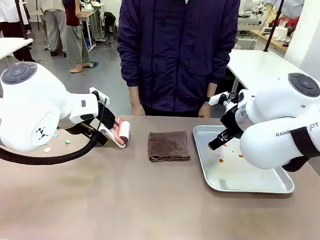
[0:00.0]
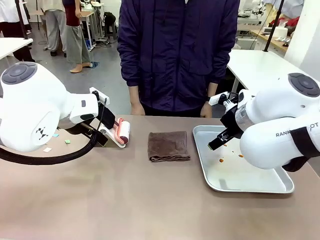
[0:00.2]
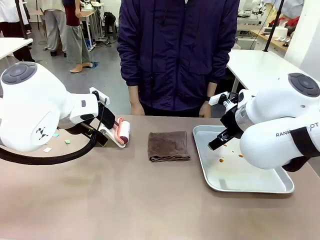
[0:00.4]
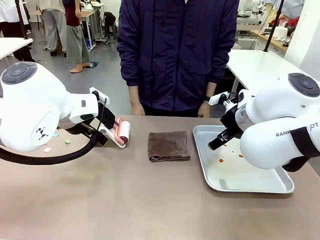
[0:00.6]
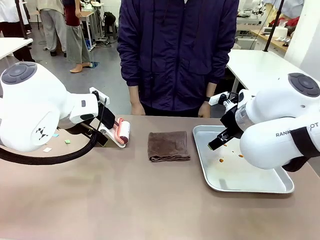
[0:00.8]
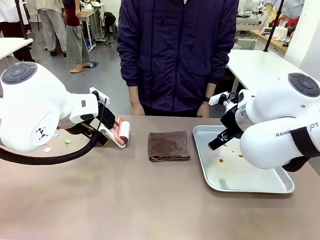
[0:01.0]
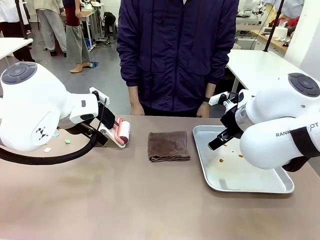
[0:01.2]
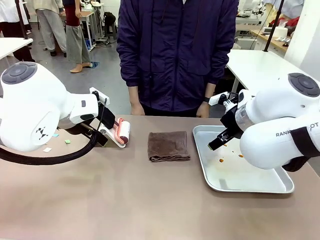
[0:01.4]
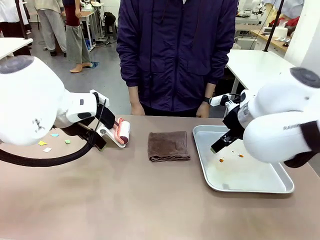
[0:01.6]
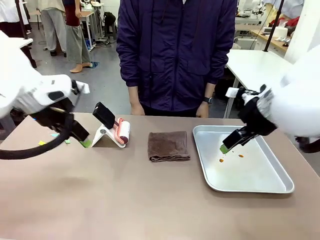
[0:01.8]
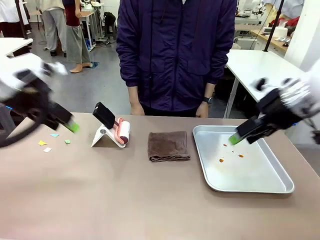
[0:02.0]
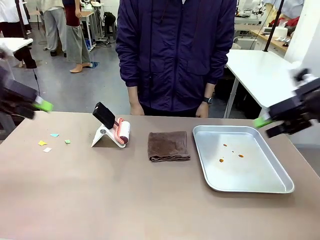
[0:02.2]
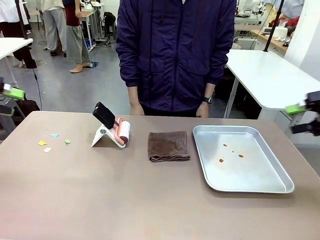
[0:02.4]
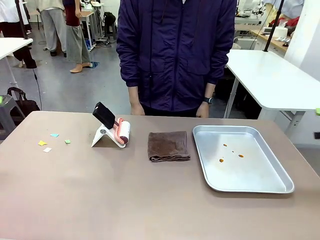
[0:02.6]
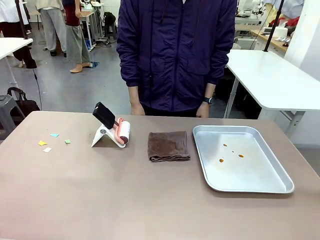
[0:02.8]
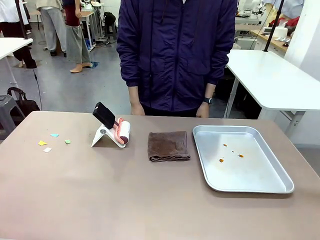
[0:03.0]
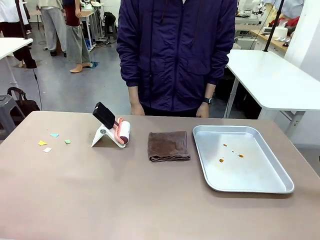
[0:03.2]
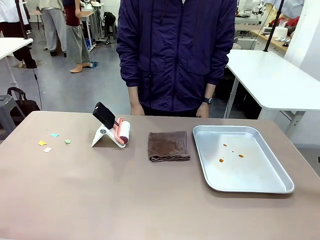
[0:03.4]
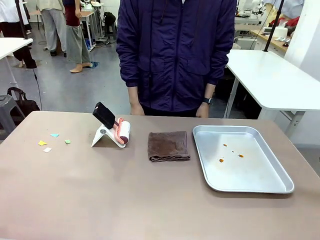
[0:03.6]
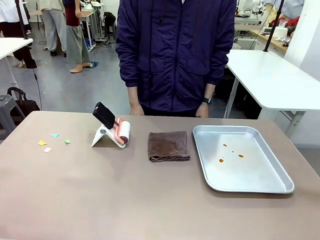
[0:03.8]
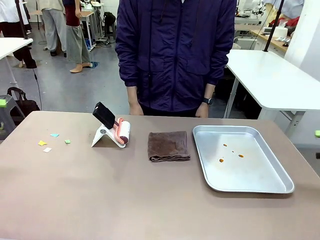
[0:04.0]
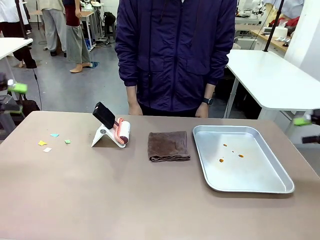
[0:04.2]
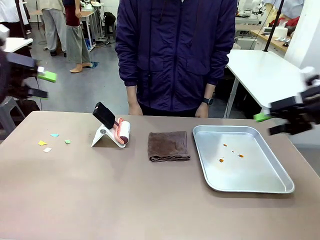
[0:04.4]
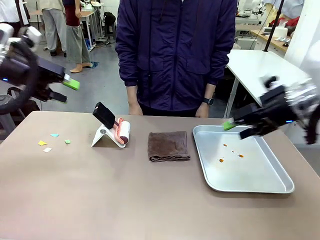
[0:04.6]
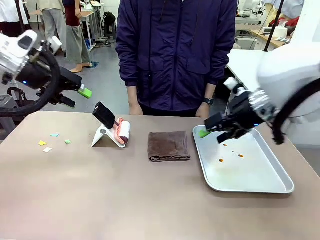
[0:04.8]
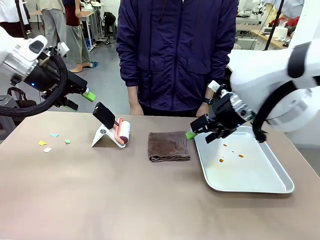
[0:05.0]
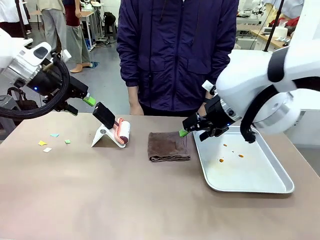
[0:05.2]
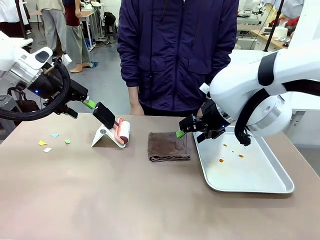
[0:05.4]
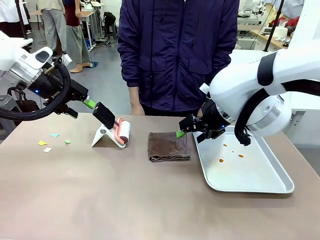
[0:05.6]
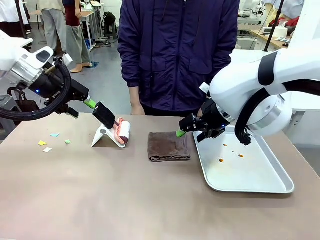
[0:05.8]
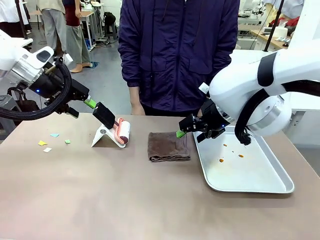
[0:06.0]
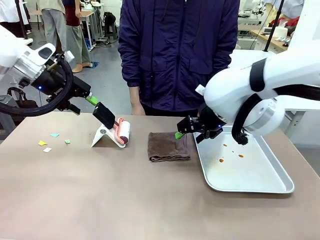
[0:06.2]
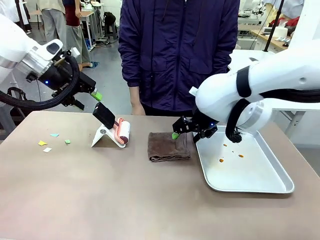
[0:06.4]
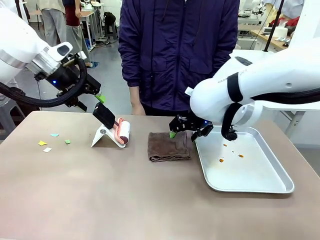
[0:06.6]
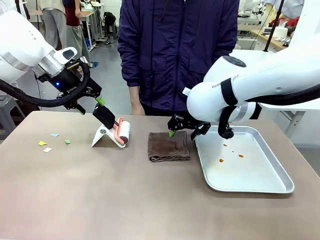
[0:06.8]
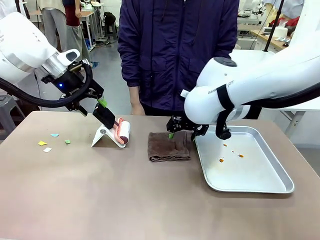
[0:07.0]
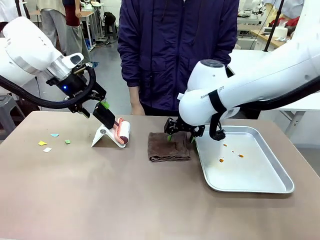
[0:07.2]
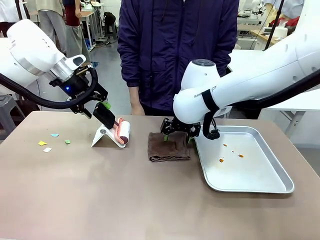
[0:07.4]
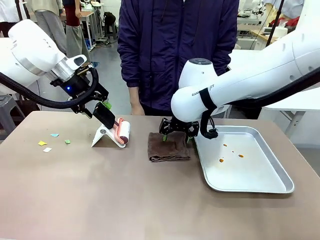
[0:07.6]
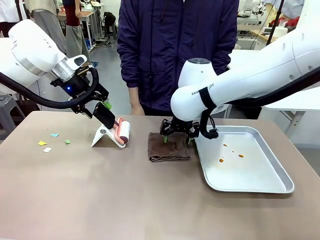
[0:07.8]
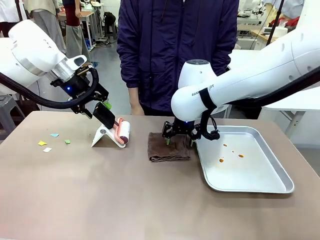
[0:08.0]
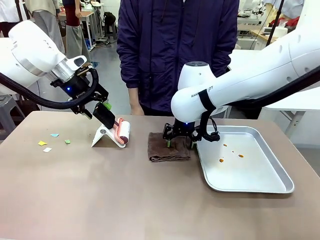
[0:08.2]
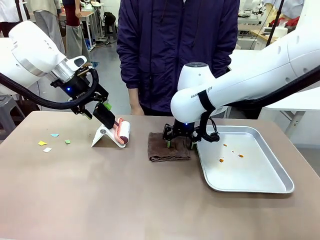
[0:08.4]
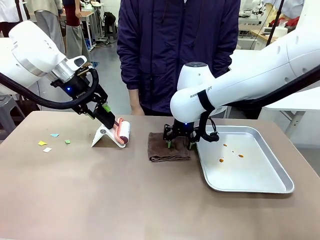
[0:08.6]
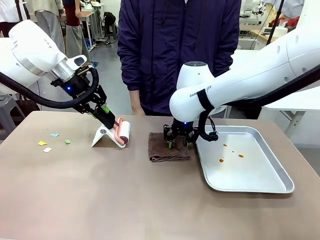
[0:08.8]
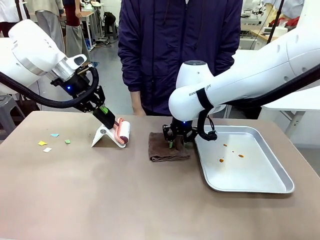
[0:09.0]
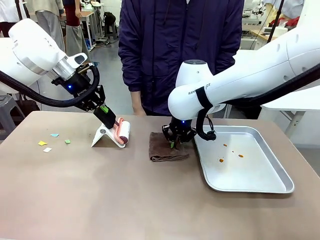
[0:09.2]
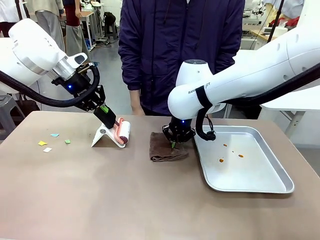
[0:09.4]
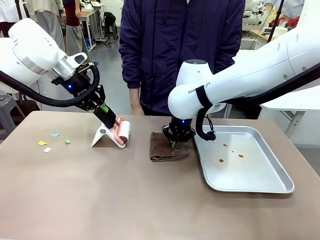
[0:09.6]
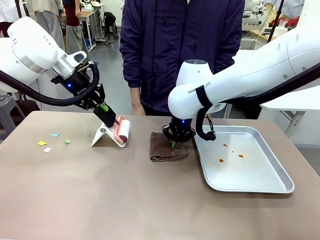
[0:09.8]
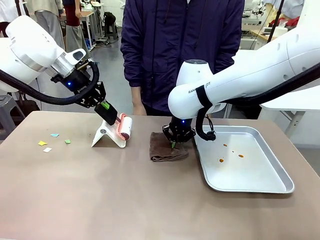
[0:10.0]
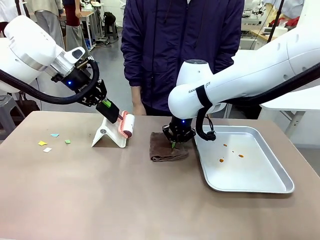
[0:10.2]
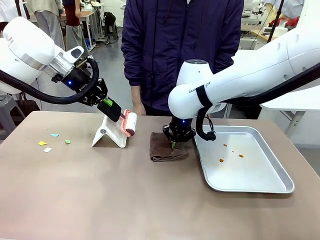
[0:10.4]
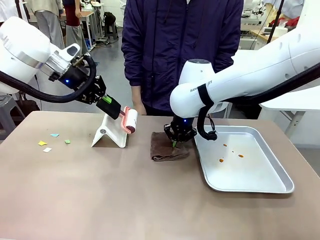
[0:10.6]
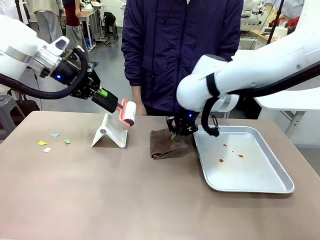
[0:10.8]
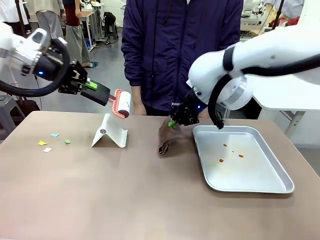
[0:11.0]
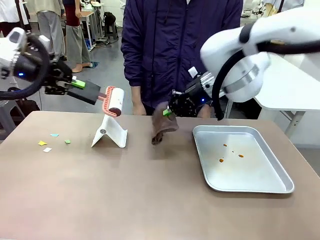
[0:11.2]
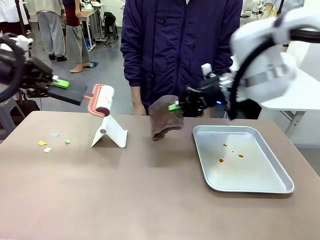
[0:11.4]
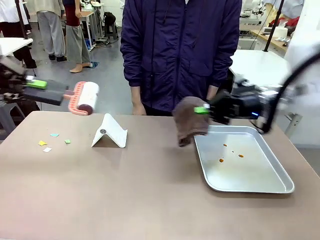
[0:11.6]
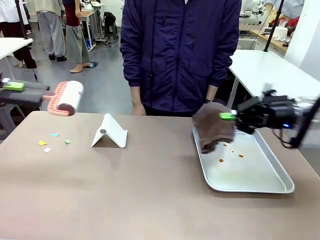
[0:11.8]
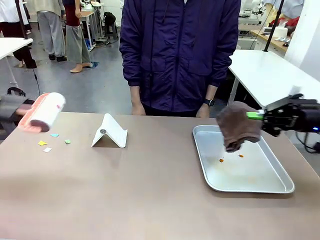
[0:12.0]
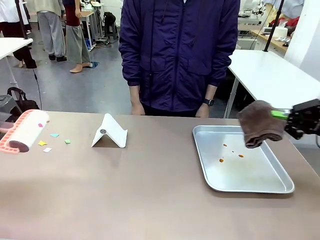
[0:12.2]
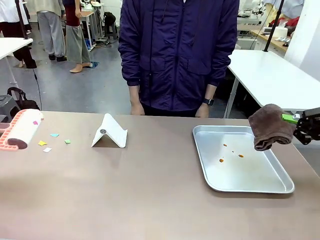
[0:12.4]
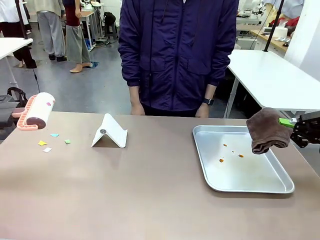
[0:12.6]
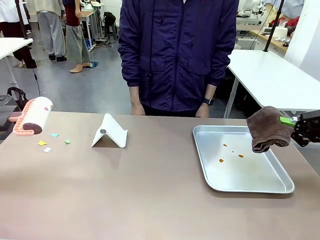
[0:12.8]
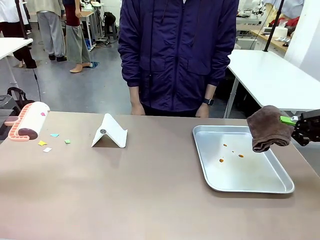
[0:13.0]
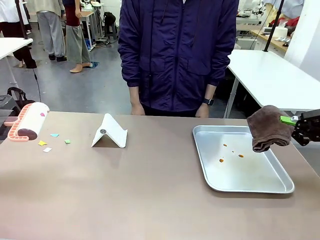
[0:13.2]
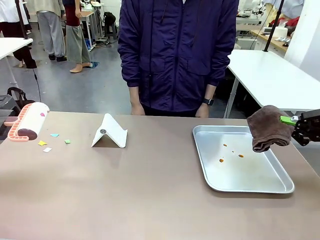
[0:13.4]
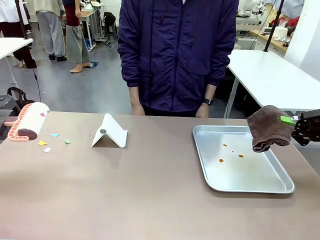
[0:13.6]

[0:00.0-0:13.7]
Task: Clean the surface of the table.
Robot: Hold the Lint Roller with your left hand and the towel with your right hand.

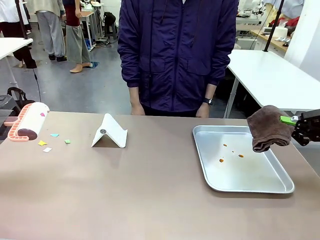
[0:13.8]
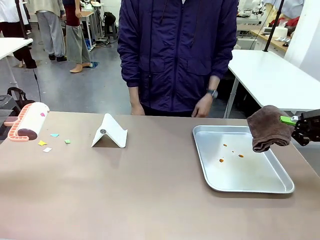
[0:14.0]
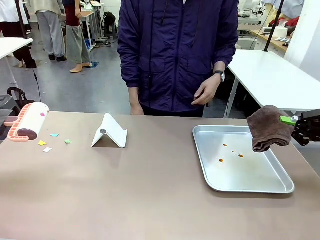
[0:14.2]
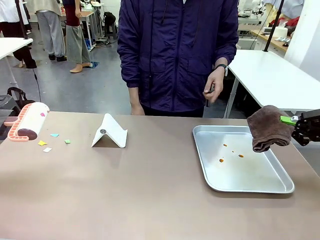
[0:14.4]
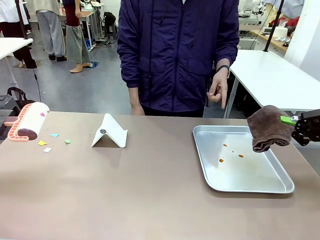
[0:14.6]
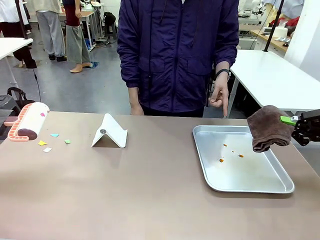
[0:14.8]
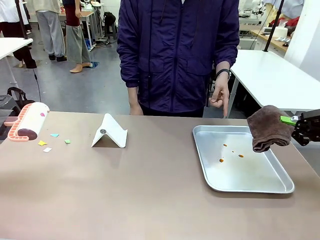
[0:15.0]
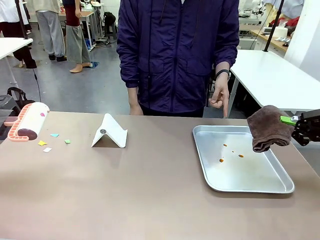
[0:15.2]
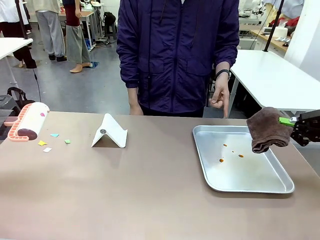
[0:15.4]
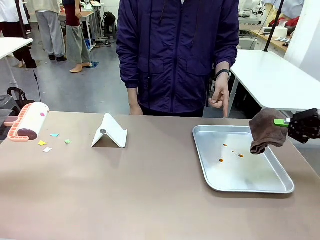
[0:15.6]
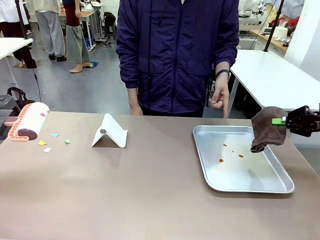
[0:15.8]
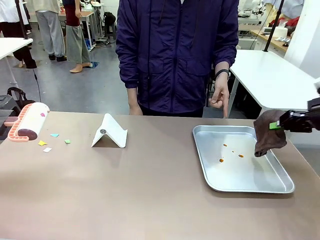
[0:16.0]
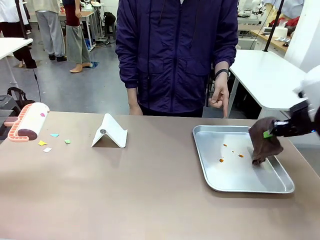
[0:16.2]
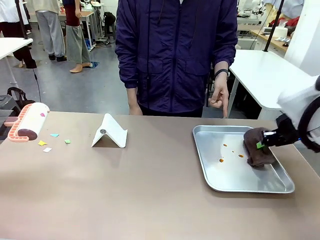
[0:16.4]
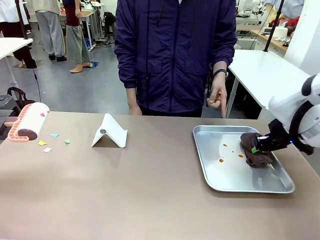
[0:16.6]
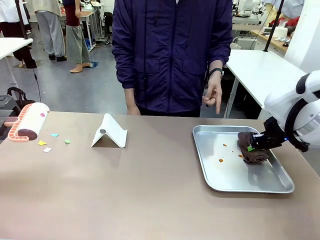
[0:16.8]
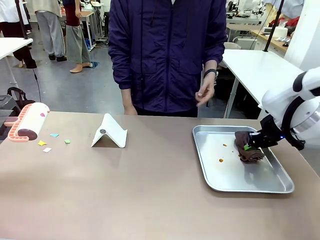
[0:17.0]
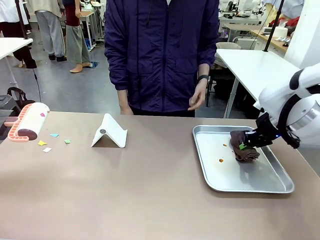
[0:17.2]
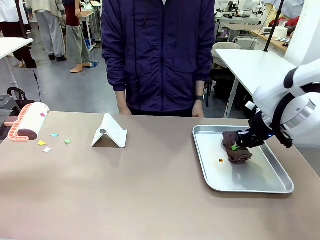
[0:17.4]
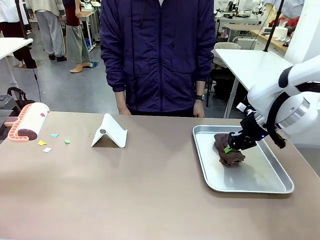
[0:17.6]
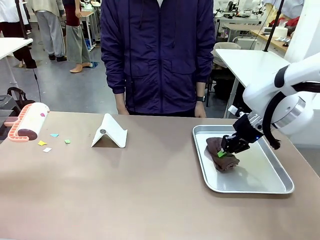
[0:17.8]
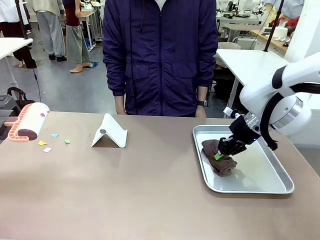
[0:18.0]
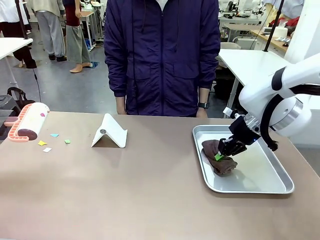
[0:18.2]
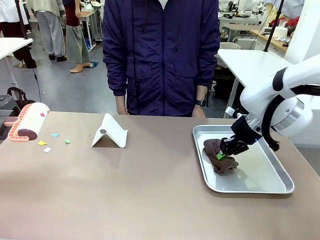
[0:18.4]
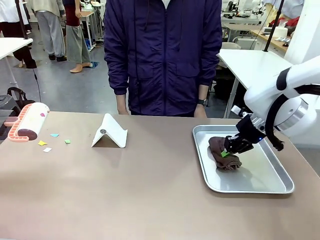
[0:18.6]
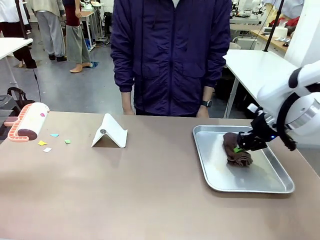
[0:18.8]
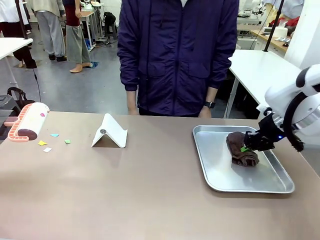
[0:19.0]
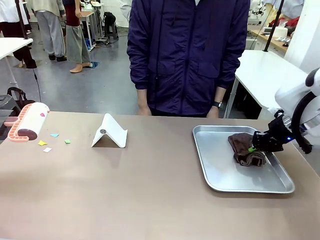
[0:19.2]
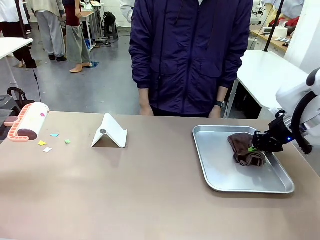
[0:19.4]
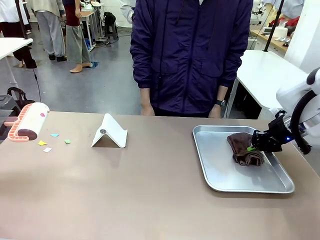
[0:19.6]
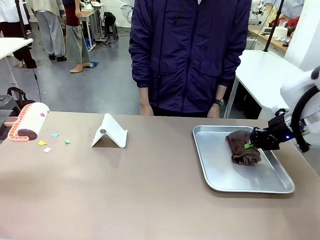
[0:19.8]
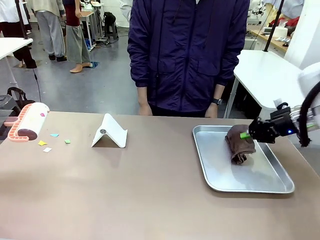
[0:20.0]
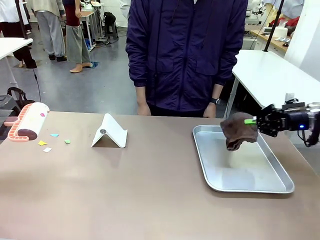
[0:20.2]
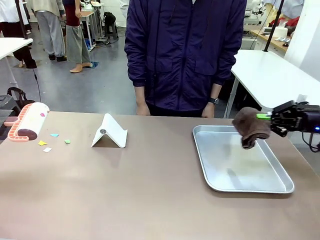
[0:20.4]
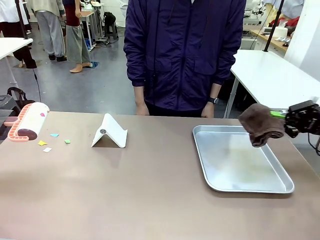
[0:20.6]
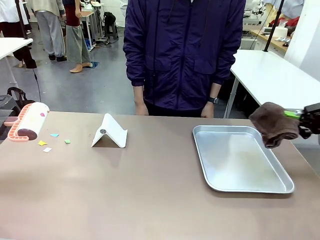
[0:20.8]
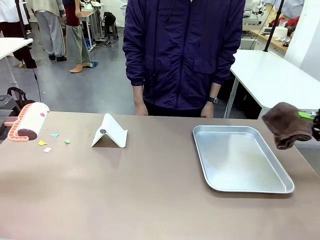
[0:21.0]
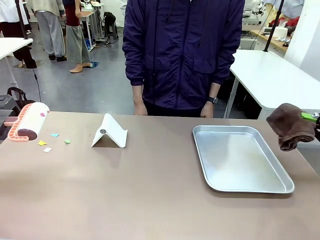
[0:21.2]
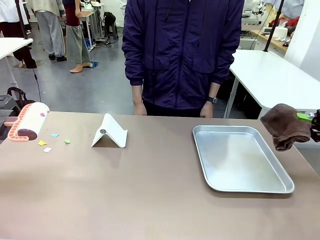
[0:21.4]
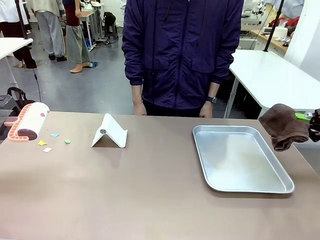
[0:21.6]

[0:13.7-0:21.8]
Robot: If a person points to the right, clean the right side of the table with your right hand, and if they point to the left, clean the left side with your left hand.
